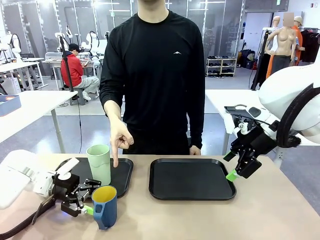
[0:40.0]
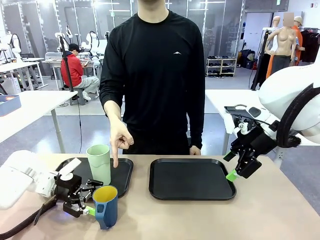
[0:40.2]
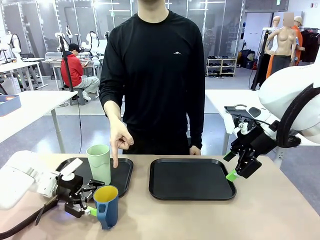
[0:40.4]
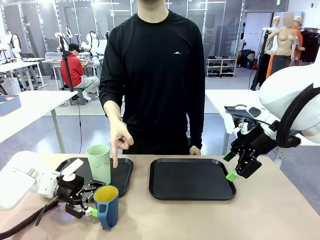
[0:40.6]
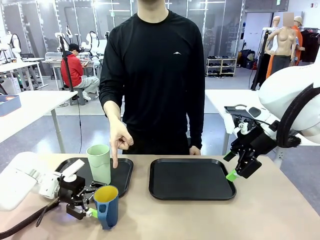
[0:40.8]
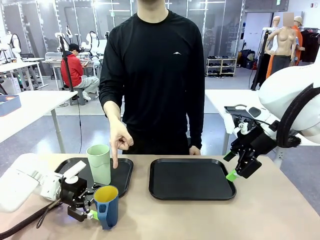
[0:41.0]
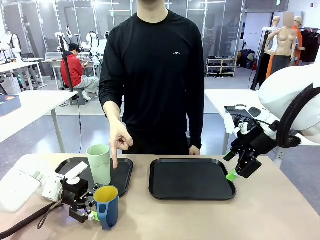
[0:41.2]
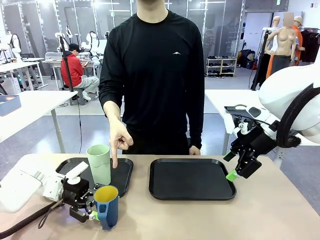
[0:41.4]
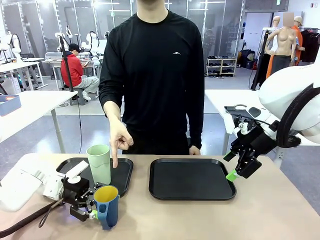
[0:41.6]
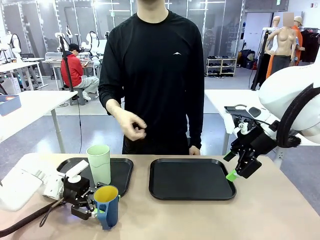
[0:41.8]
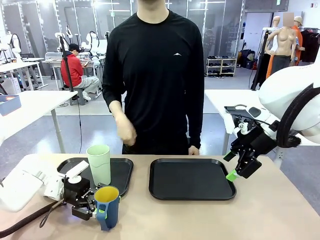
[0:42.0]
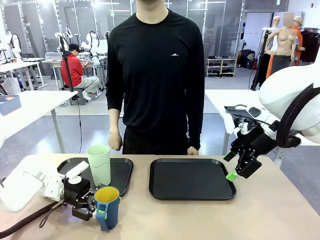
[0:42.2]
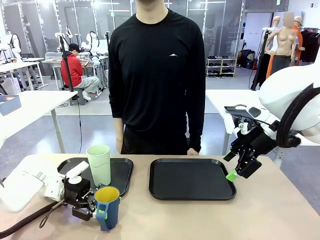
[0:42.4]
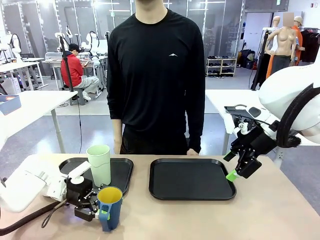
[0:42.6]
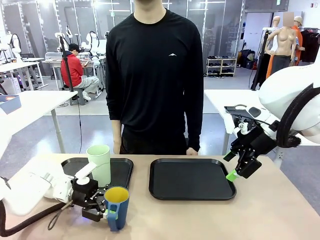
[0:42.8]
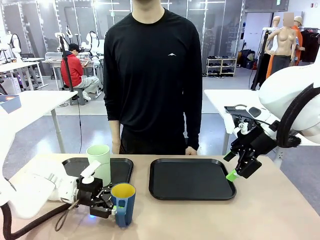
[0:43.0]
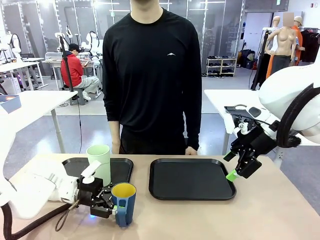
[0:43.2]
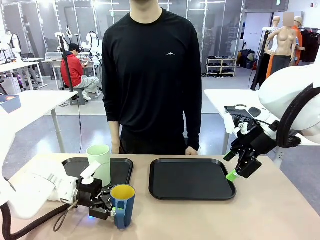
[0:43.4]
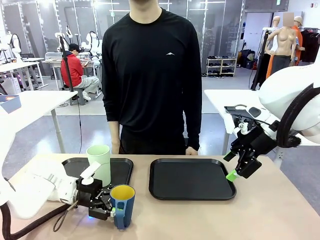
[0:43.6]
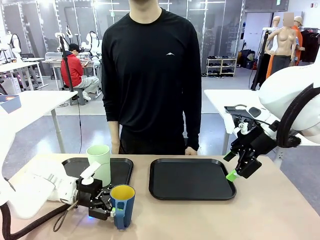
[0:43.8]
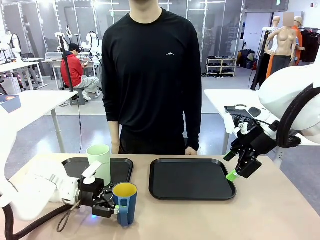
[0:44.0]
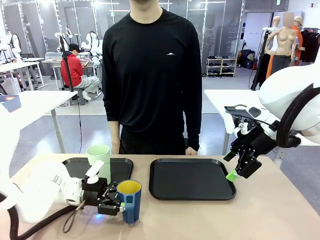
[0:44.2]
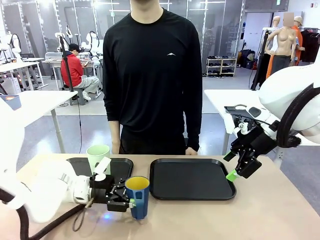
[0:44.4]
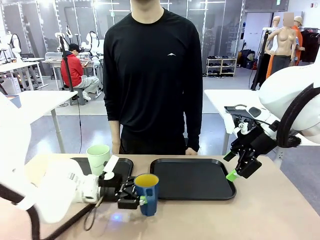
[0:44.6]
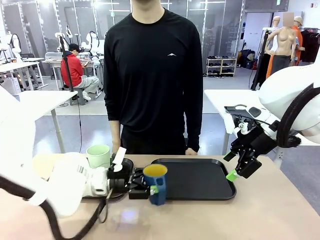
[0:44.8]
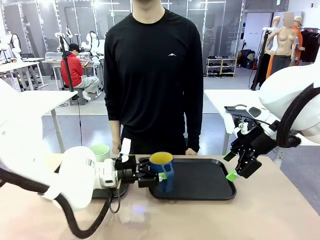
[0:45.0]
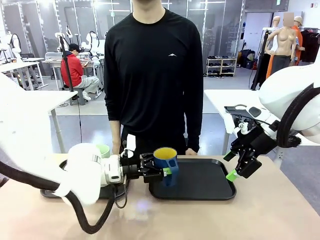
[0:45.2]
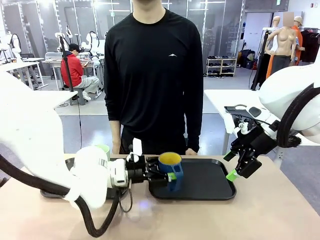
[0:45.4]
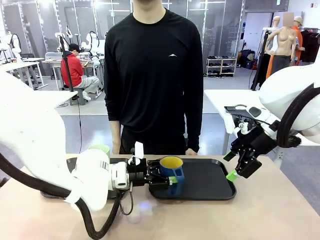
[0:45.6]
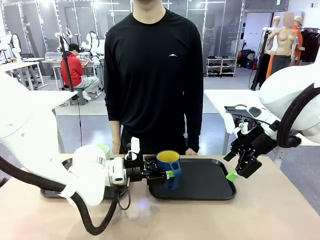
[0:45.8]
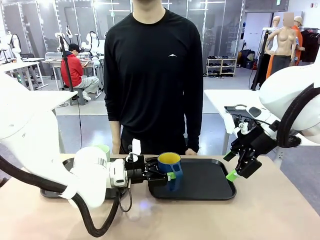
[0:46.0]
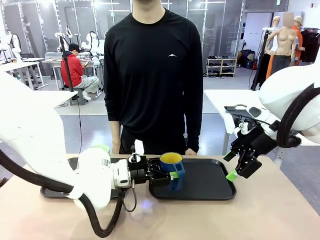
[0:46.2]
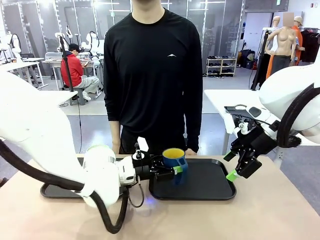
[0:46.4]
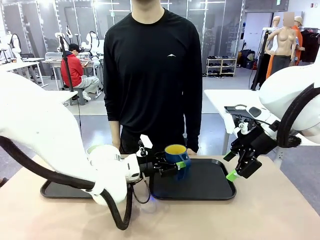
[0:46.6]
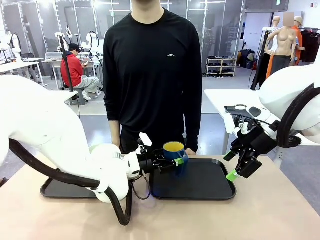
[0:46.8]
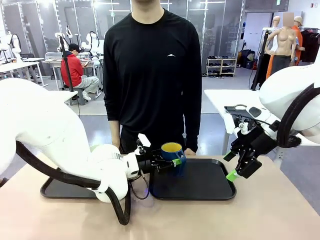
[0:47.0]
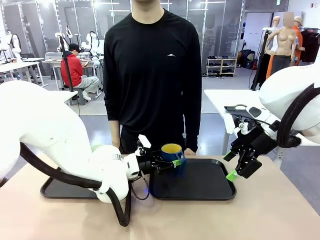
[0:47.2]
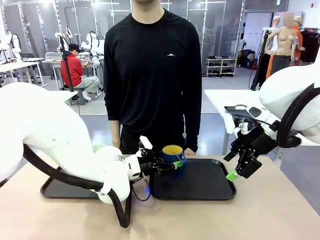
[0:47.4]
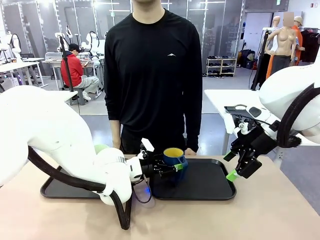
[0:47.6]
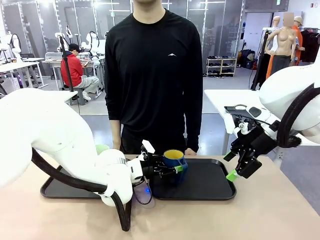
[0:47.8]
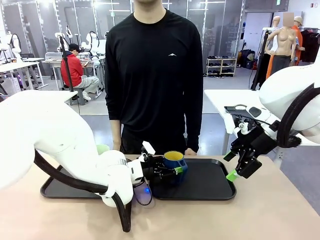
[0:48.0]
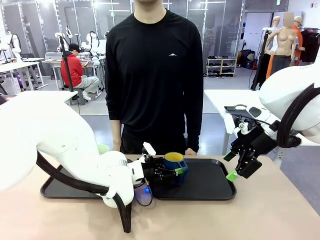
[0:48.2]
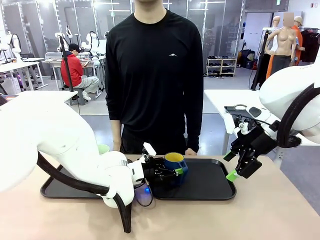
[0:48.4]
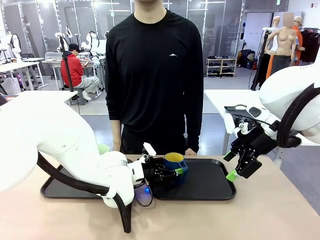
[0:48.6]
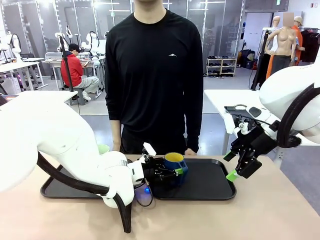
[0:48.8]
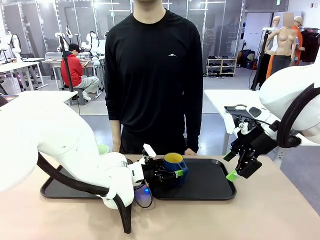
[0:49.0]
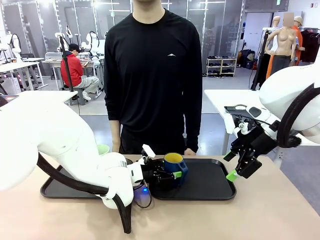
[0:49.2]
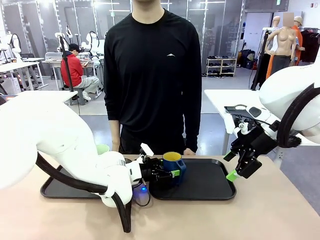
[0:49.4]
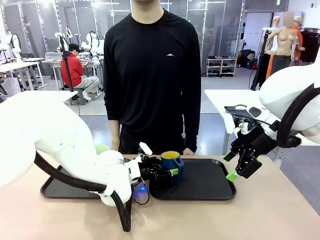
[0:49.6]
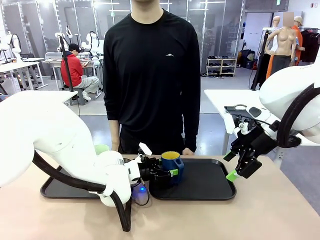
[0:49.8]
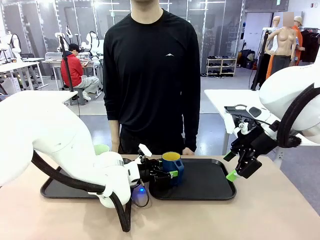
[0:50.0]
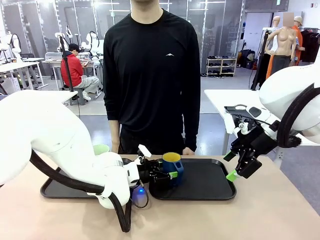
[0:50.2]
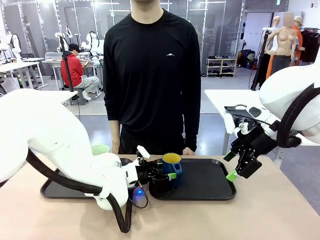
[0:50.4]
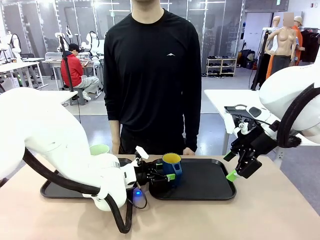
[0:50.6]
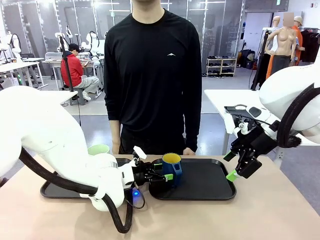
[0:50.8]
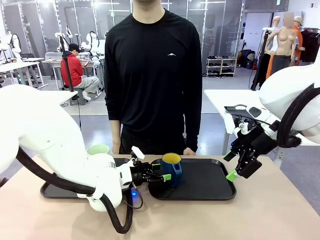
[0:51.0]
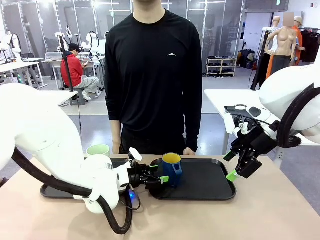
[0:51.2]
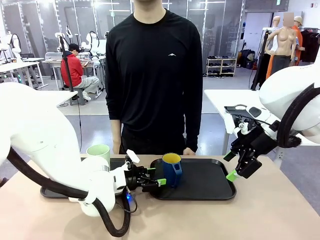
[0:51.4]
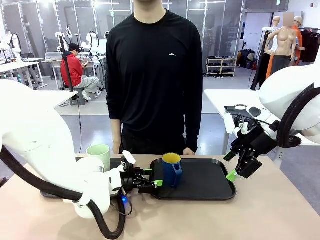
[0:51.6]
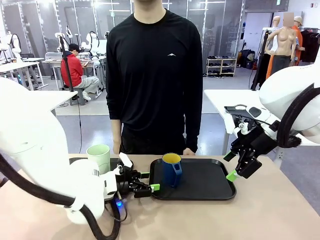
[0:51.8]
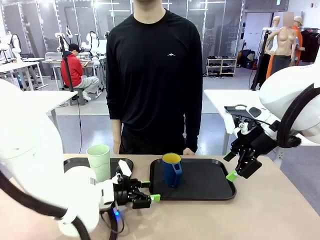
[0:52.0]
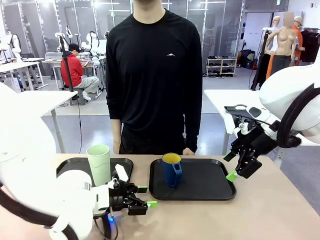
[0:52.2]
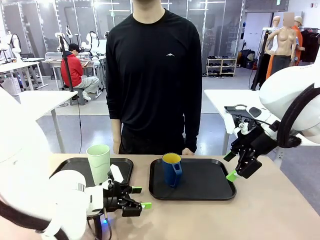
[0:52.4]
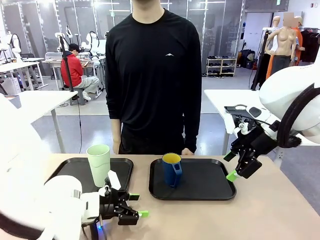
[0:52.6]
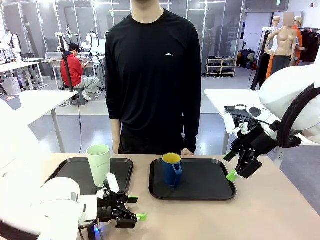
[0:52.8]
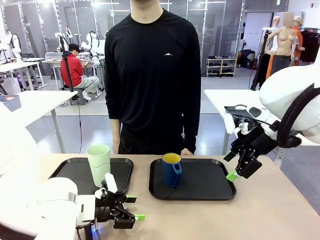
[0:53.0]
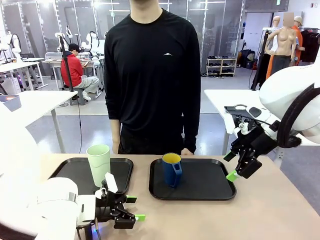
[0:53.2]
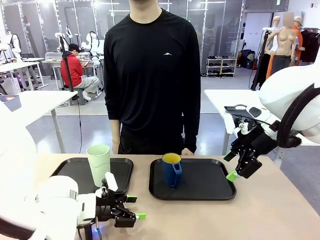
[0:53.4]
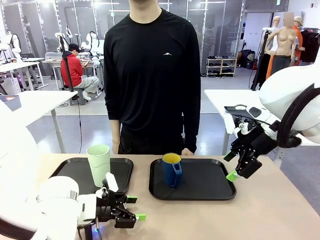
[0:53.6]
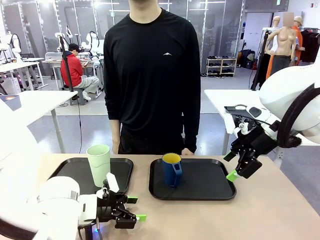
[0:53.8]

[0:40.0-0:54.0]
Task: Sort and store the cups by type.
Robot: Pick up the Handle plastic cup and place it into the empty Flat Tray.
